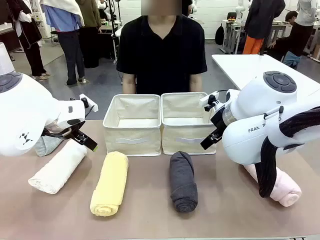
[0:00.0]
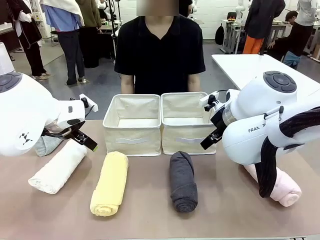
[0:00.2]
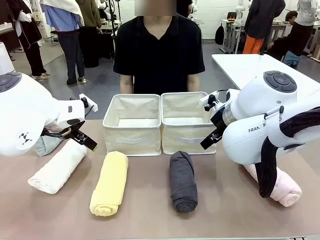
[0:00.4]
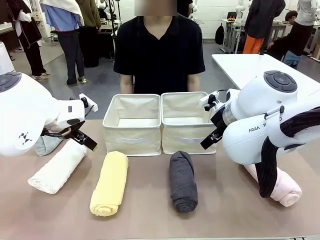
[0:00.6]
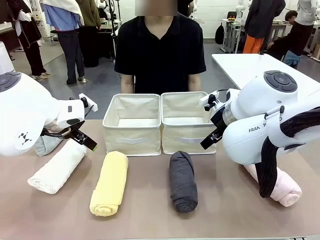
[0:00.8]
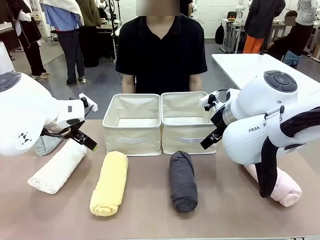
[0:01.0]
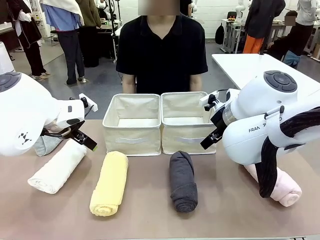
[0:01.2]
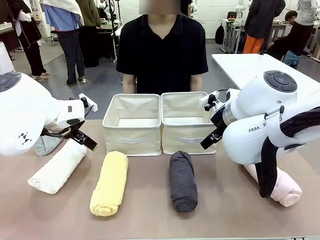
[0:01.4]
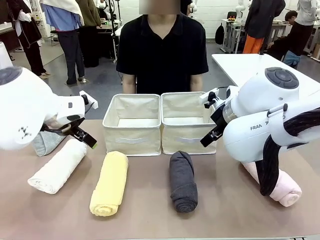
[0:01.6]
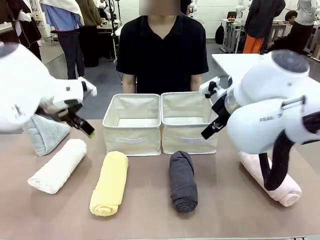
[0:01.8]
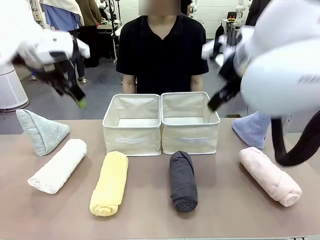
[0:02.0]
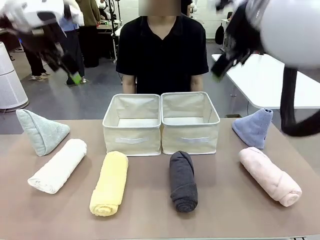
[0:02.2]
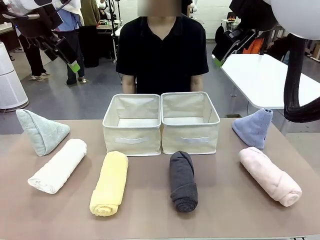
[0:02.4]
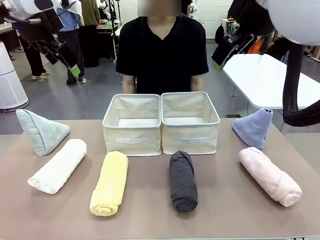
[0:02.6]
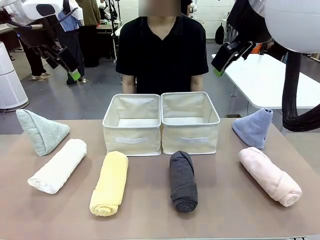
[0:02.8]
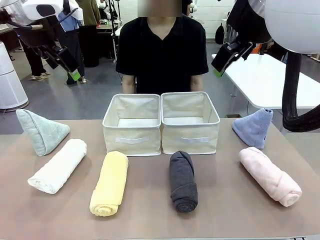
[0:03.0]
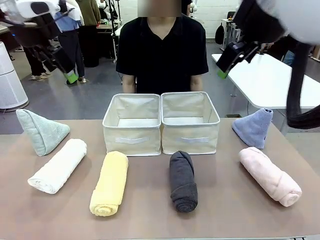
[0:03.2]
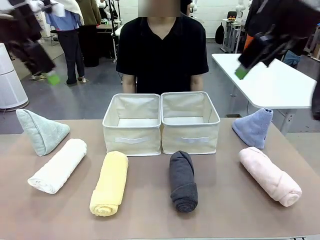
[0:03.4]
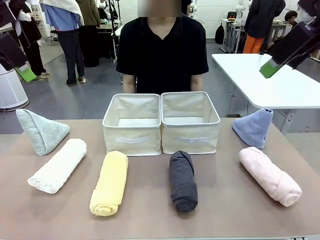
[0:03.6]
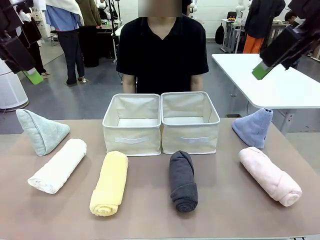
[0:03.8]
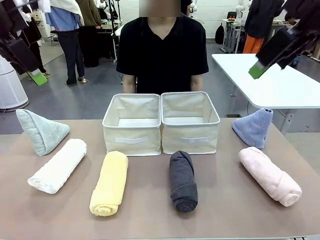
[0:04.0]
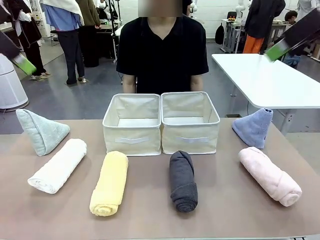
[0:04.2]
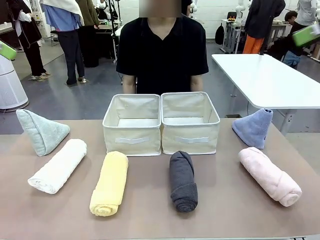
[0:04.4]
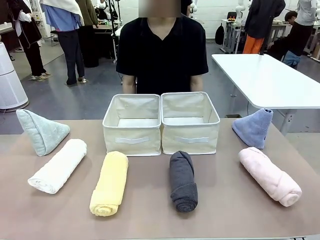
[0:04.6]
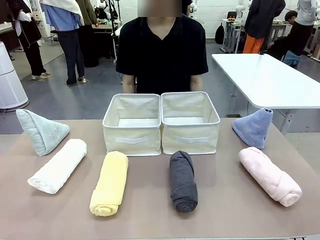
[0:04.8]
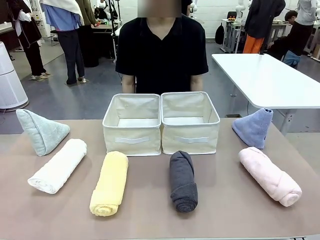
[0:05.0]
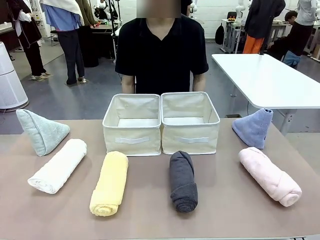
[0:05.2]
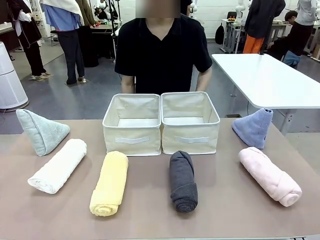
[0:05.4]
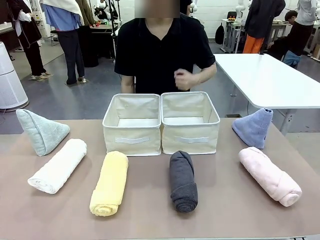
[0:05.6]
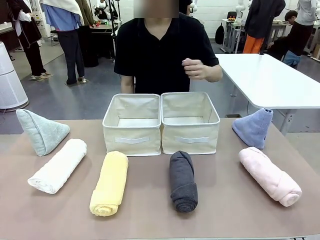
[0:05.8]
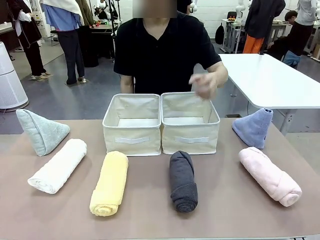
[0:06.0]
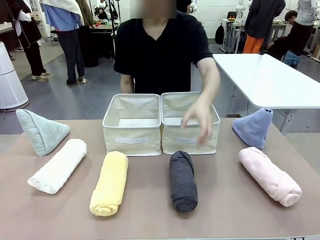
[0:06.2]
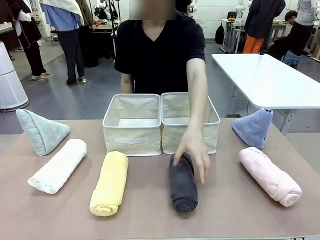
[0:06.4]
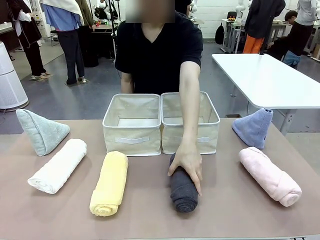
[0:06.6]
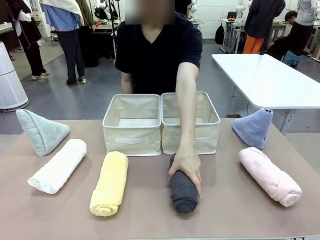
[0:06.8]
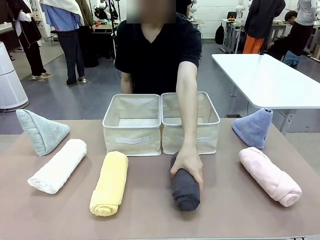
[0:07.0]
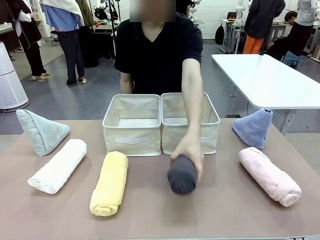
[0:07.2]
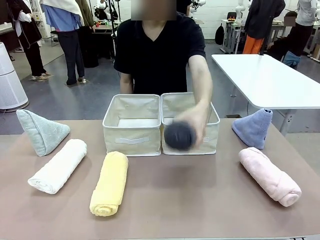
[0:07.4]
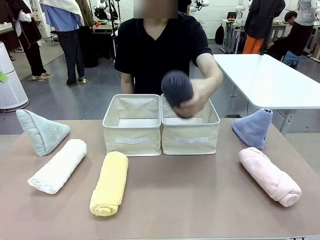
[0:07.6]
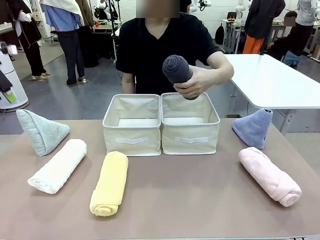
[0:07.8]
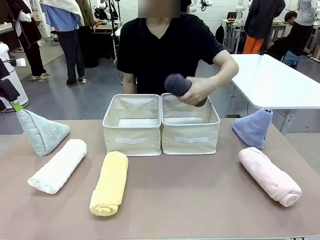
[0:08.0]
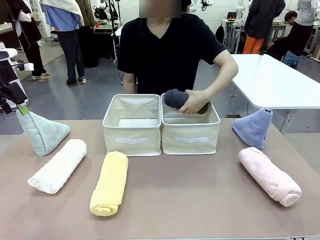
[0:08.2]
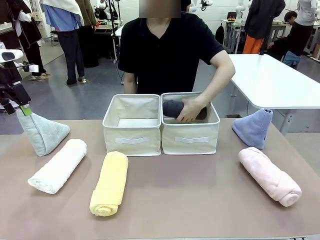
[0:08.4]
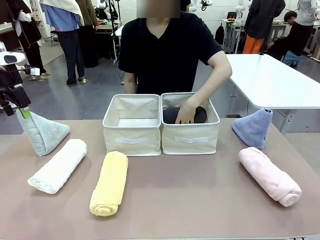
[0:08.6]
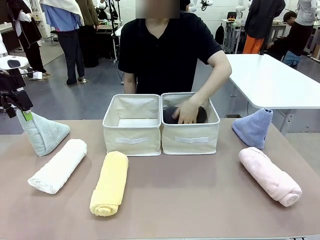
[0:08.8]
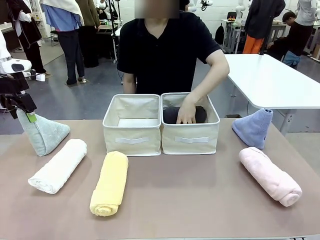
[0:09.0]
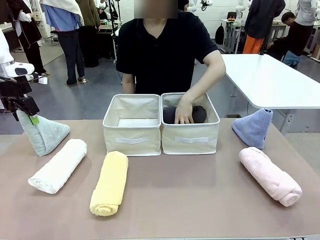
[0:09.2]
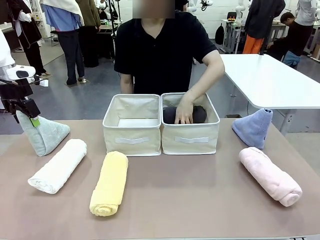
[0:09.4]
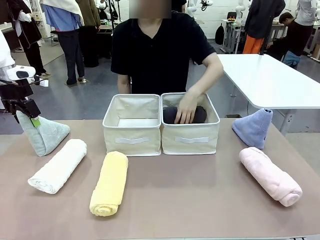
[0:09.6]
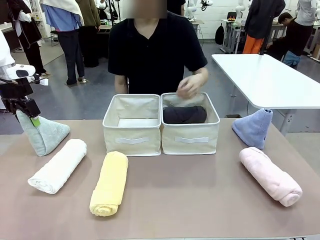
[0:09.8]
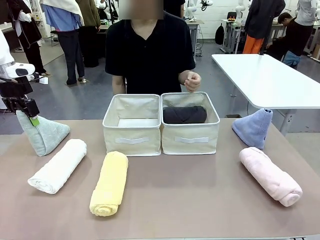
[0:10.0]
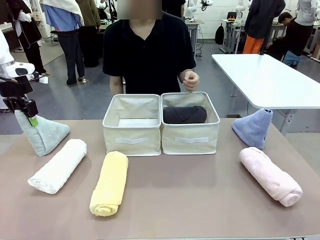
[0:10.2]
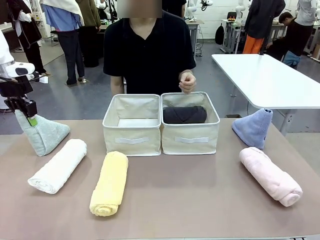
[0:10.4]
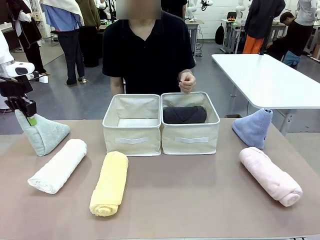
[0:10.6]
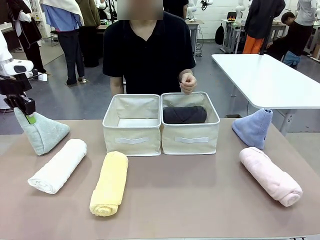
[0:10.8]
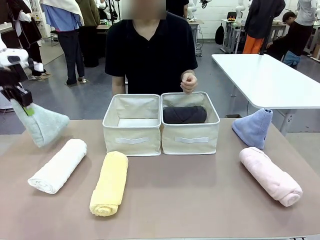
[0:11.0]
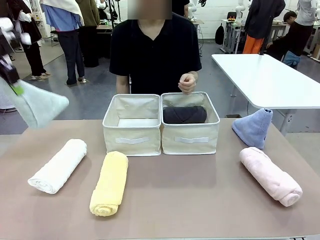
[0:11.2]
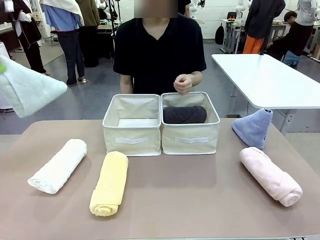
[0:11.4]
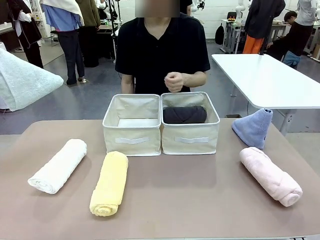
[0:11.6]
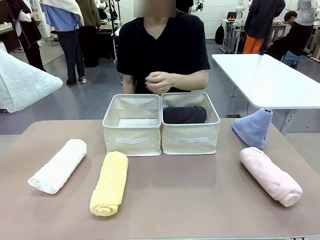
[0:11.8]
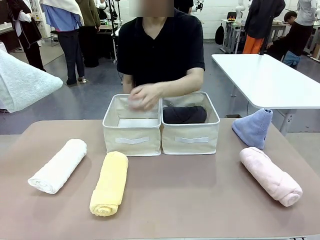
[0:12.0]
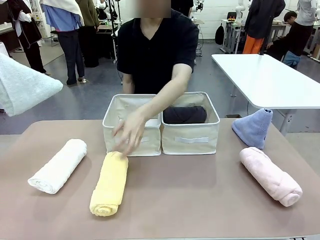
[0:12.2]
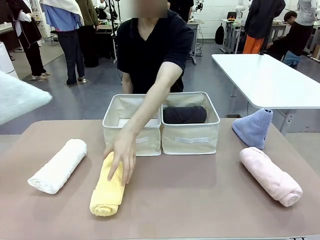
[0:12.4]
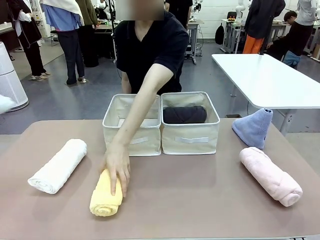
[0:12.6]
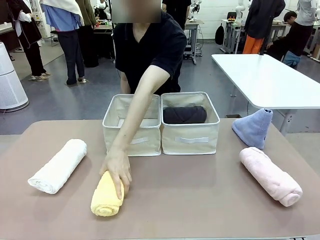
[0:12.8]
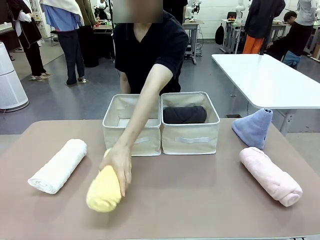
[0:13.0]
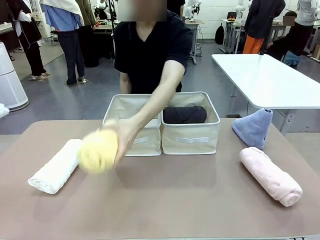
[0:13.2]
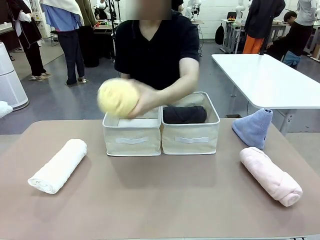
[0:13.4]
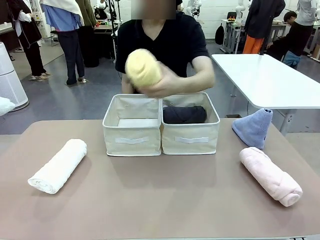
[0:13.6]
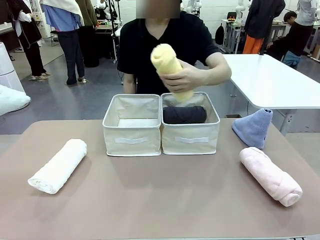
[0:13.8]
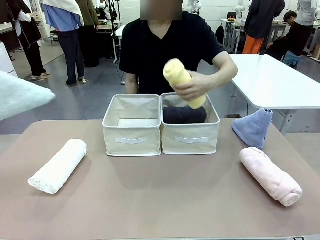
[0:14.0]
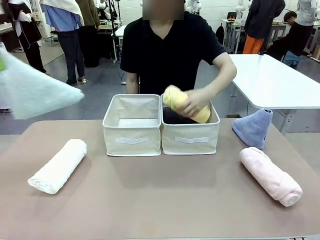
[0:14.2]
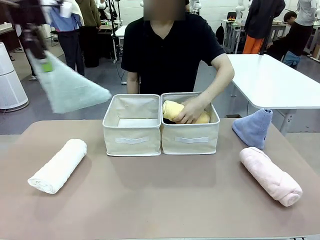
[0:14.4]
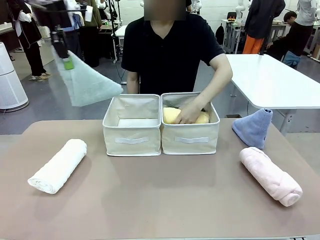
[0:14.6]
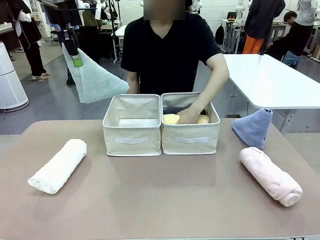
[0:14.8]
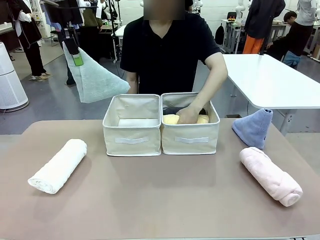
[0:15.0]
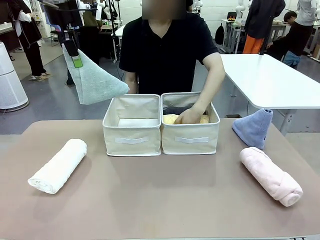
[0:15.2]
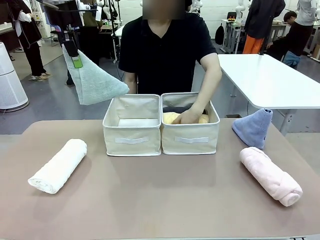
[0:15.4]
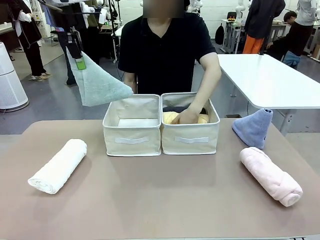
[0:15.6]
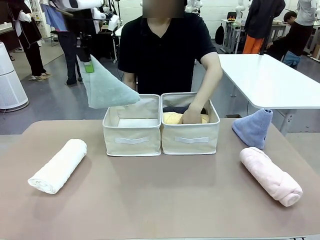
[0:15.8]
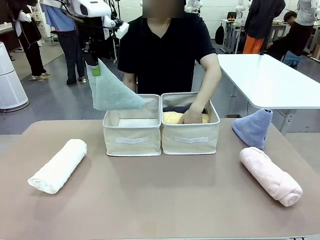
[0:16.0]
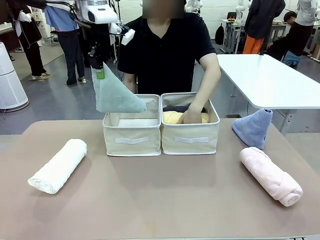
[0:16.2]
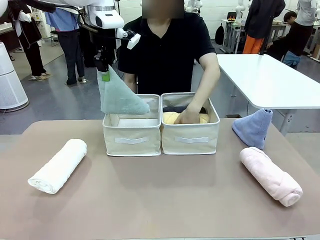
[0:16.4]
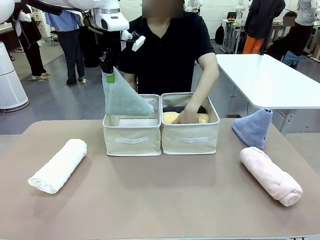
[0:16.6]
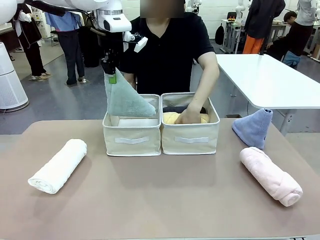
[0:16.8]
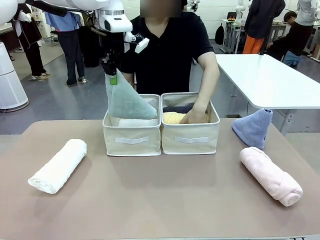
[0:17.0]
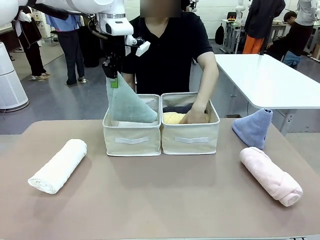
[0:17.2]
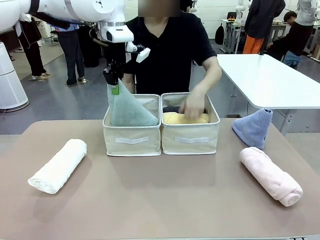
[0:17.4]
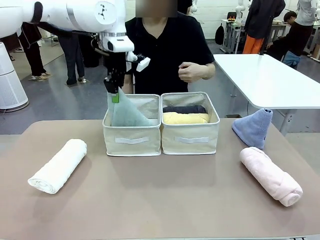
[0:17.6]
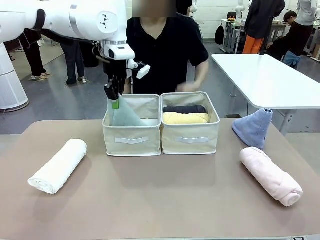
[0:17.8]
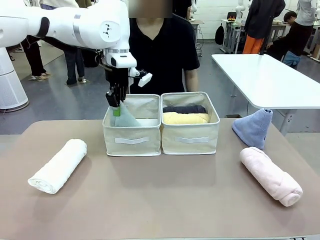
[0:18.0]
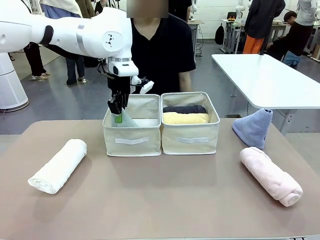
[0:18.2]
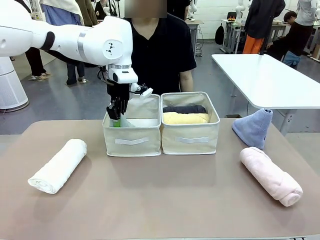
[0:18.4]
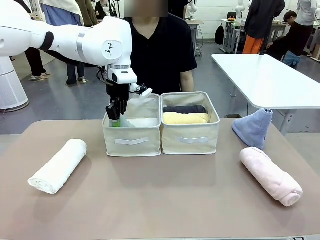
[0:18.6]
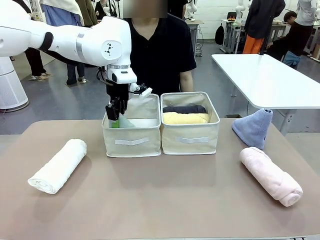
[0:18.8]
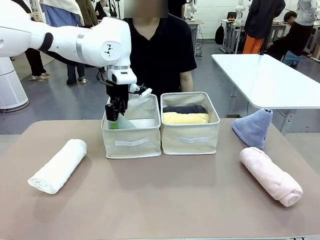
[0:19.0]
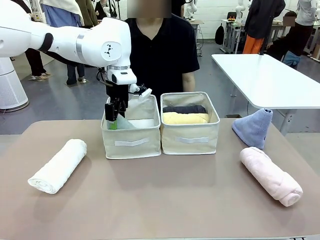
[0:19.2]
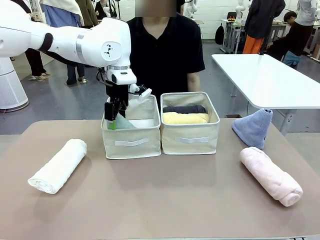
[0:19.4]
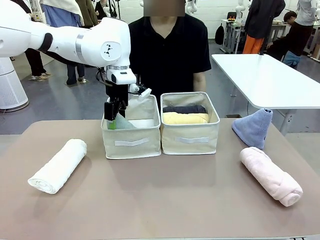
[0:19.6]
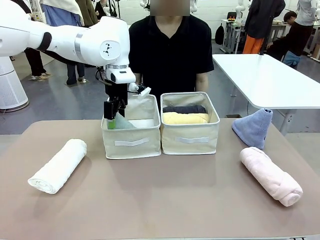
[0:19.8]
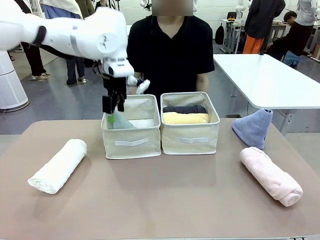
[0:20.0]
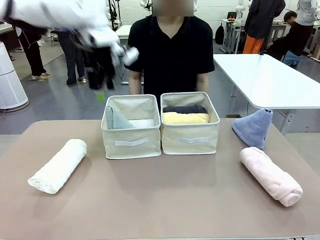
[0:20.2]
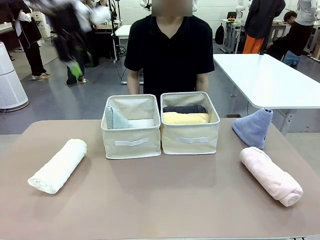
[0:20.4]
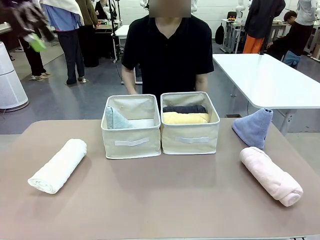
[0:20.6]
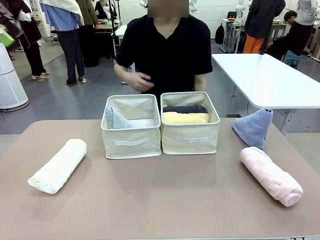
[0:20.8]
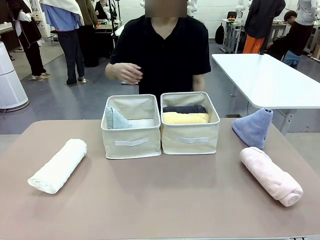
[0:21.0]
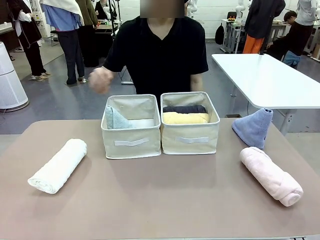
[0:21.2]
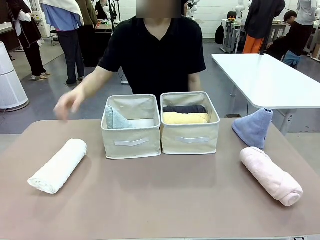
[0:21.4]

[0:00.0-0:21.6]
Task: Sort the towels based on their folding style.
Robot: Pick up one triangle-folded towel and place it in the left Fabric basket.
Person: Pick up one hotel-style rolled towel and place it in the left fabric basket.
